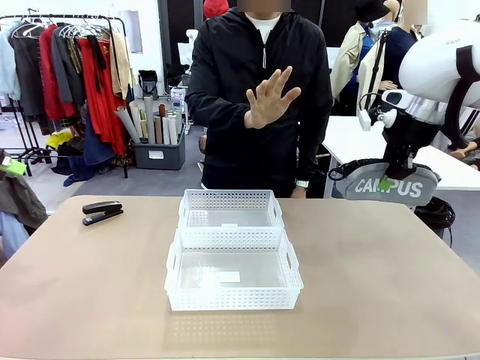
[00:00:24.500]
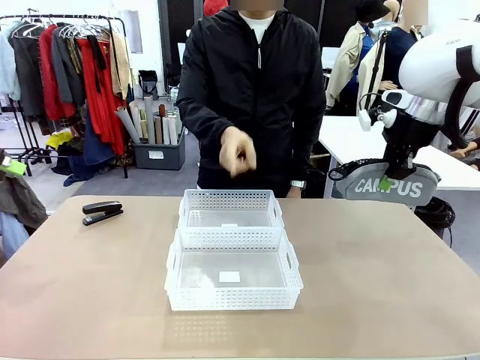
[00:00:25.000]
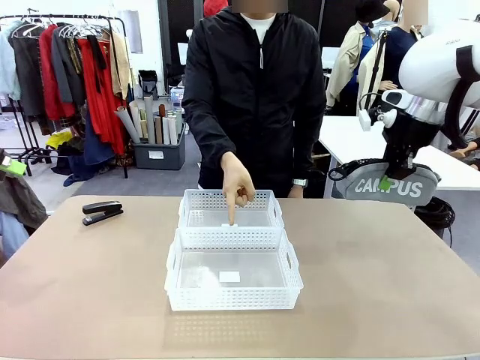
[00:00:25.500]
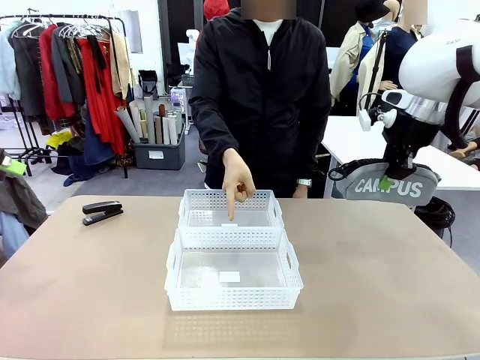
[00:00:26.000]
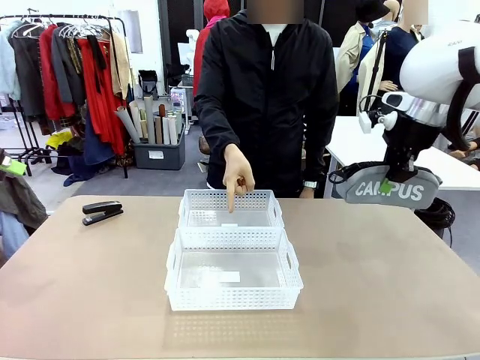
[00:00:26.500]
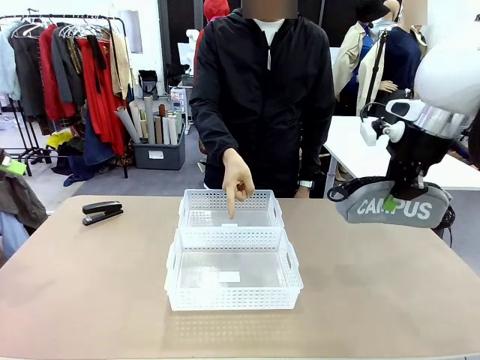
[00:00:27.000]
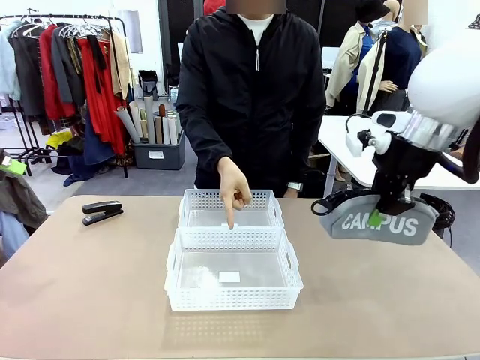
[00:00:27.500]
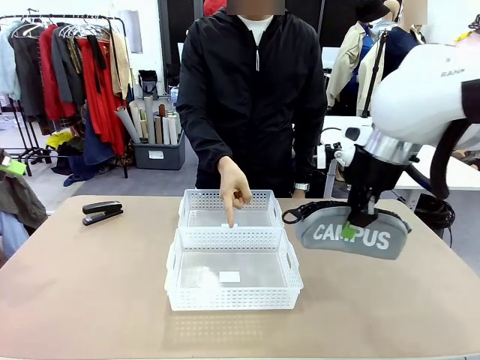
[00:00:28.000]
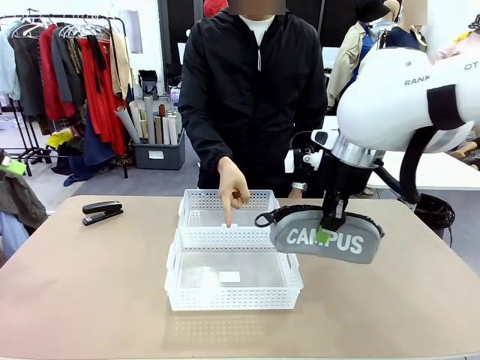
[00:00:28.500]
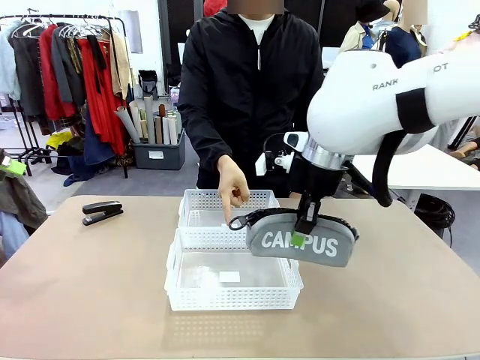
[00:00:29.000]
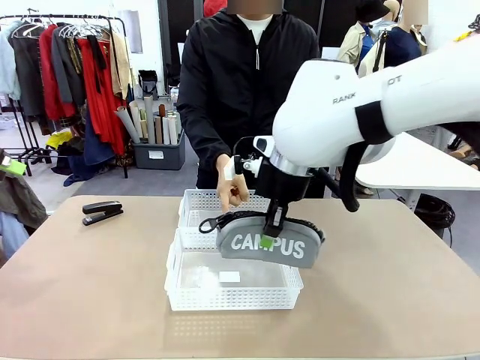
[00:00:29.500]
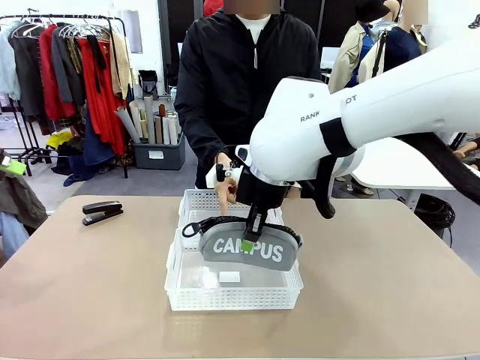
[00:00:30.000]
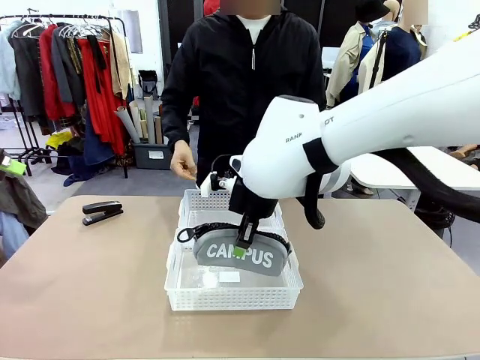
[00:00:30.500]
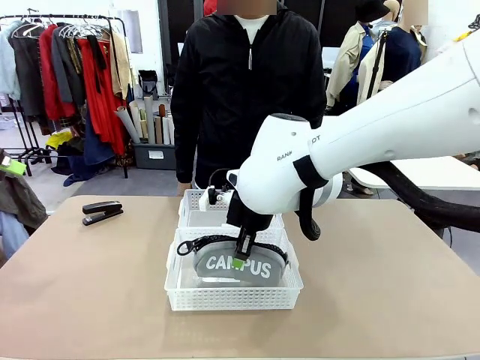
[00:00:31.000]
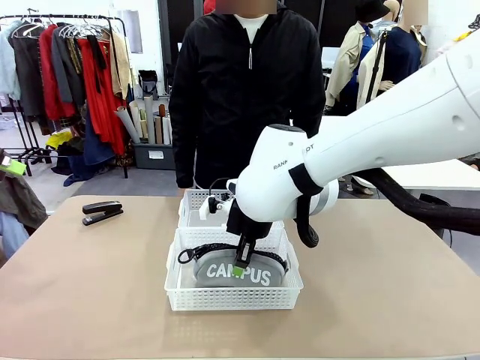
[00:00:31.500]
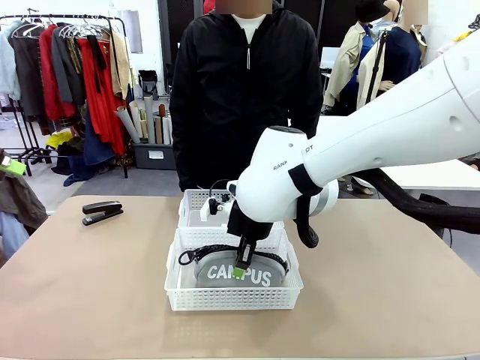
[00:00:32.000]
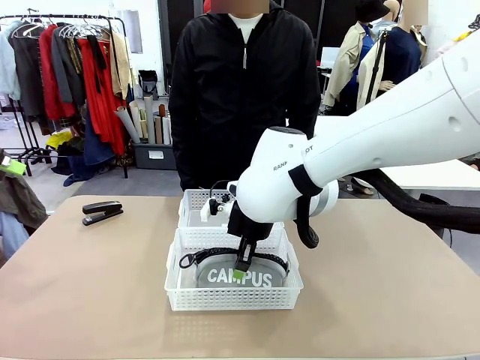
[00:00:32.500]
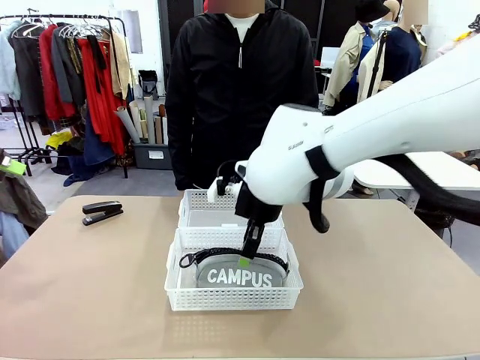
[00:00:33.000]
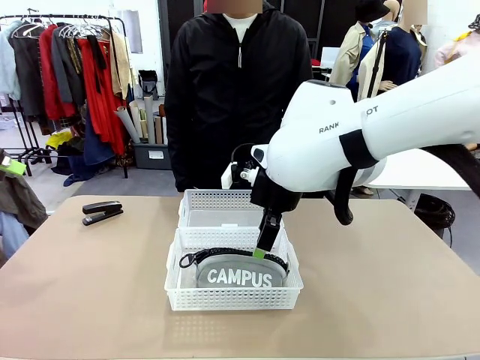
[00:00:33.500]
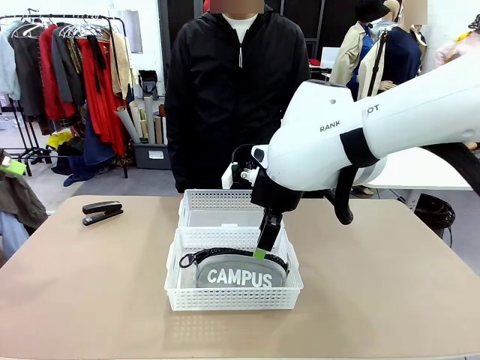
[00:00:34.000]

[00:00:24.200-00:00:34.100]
Task: Distribute items into two baskets.
Robot: Place the picked Pencil pouch into the Organizing basket as instructed by the person.
Person: Instructs the robot to place the pencil case into the opposite basket. Points to the stapler.

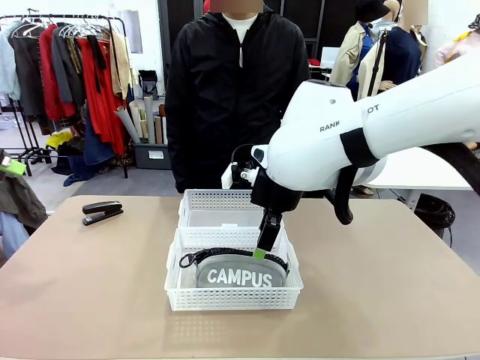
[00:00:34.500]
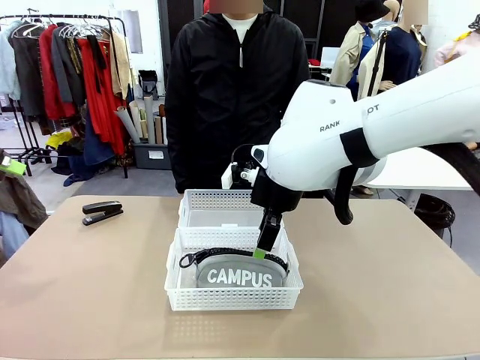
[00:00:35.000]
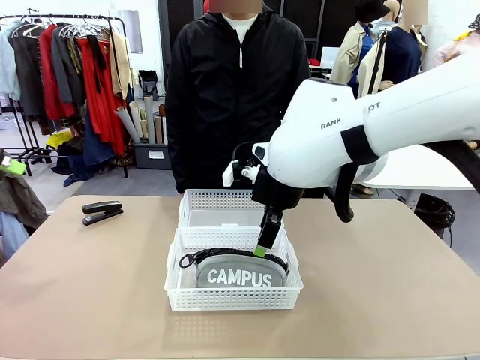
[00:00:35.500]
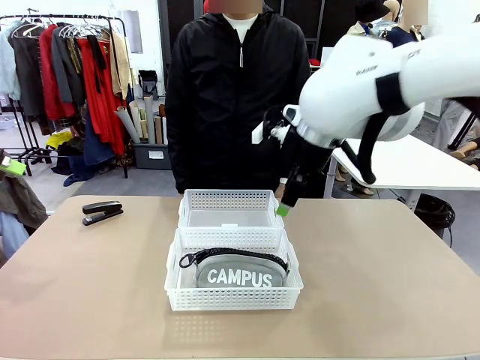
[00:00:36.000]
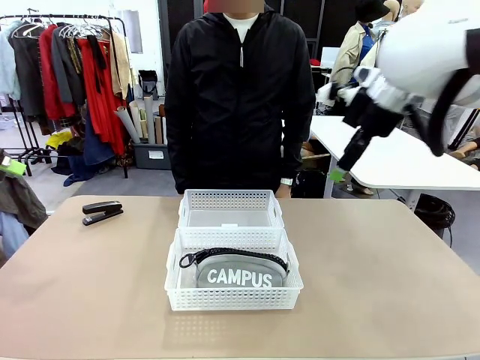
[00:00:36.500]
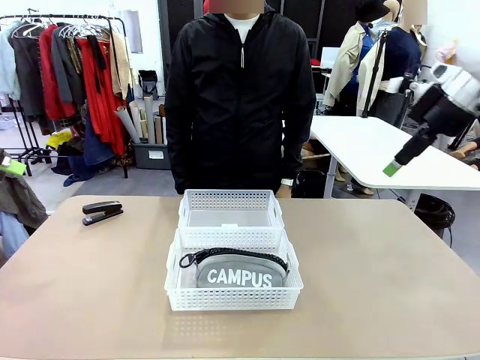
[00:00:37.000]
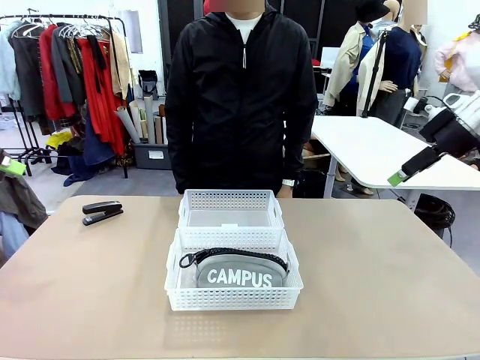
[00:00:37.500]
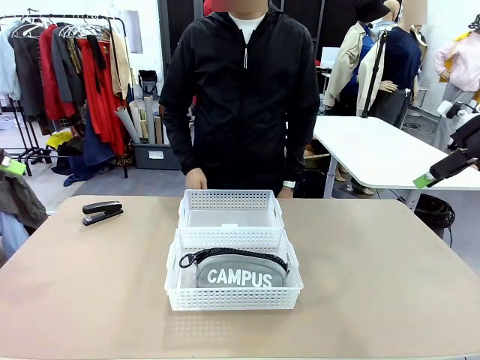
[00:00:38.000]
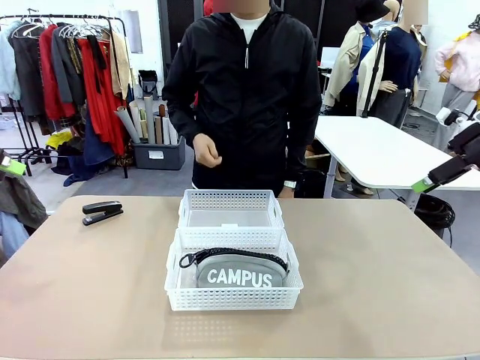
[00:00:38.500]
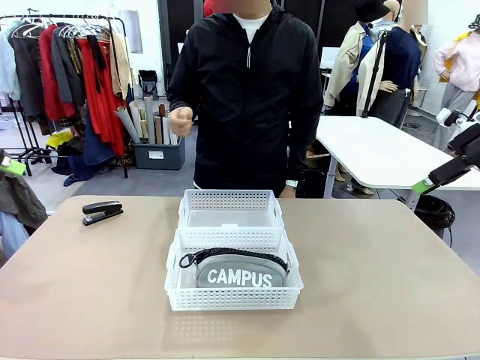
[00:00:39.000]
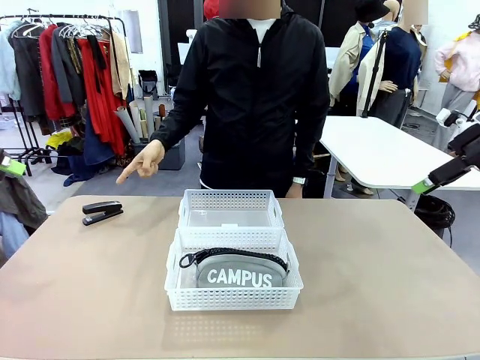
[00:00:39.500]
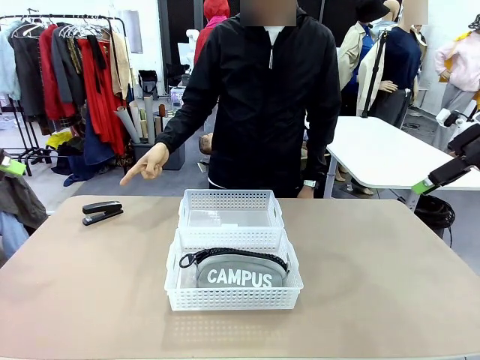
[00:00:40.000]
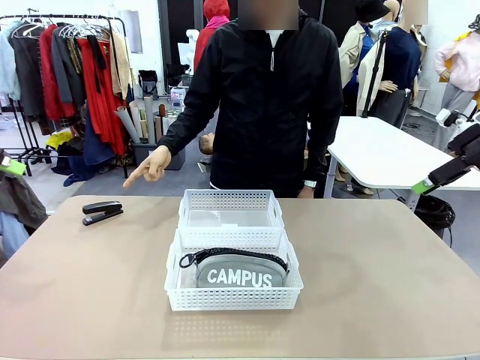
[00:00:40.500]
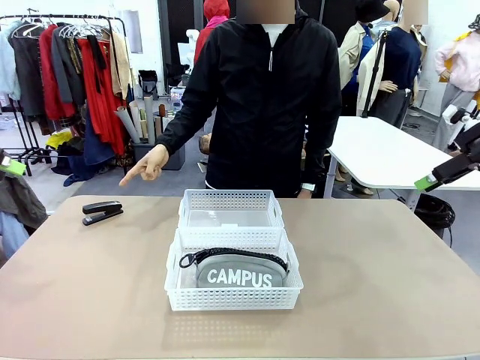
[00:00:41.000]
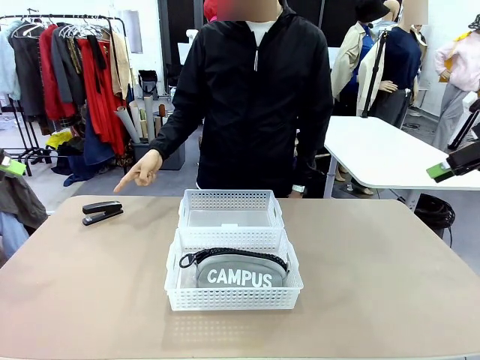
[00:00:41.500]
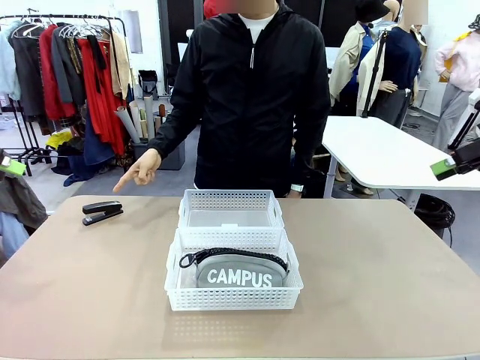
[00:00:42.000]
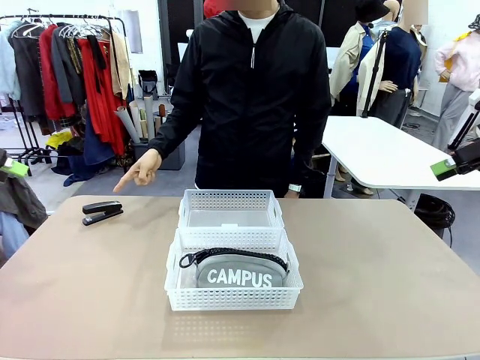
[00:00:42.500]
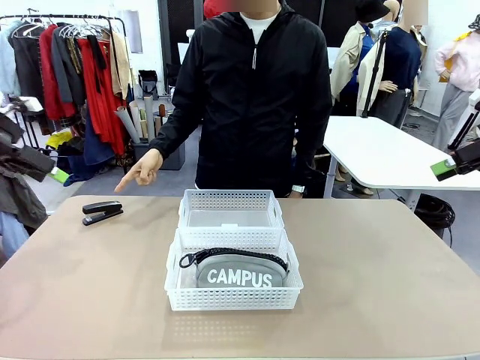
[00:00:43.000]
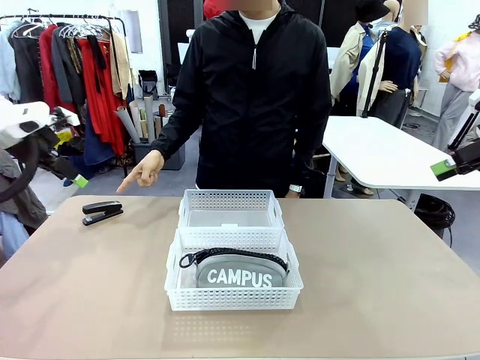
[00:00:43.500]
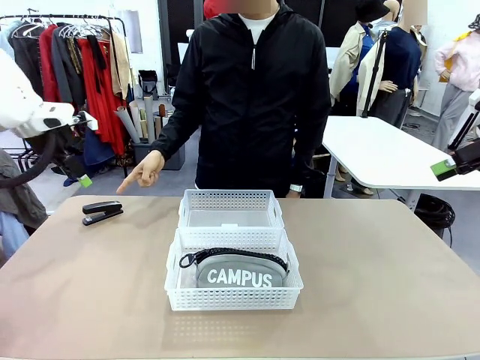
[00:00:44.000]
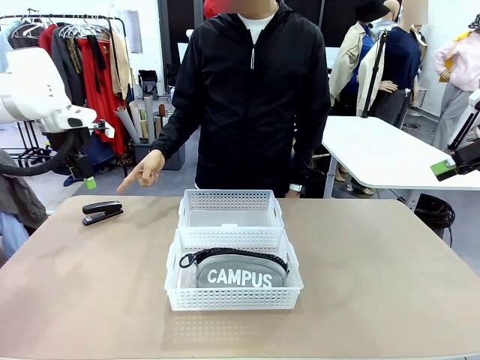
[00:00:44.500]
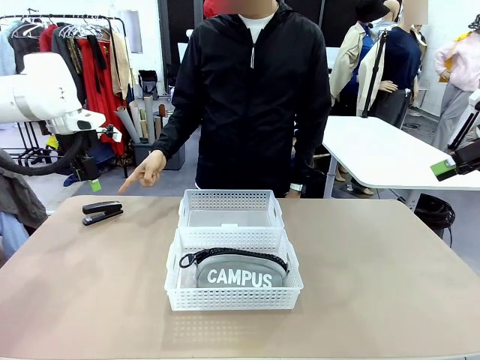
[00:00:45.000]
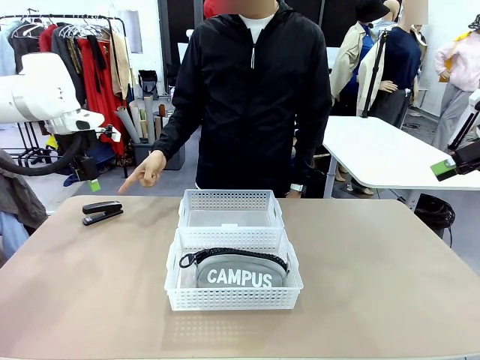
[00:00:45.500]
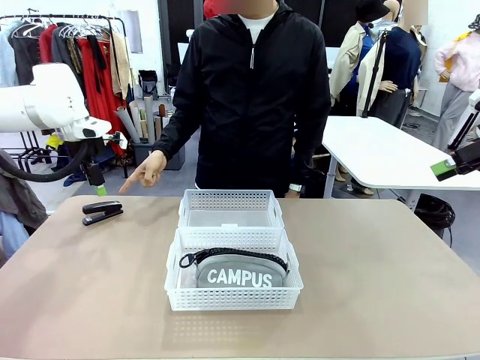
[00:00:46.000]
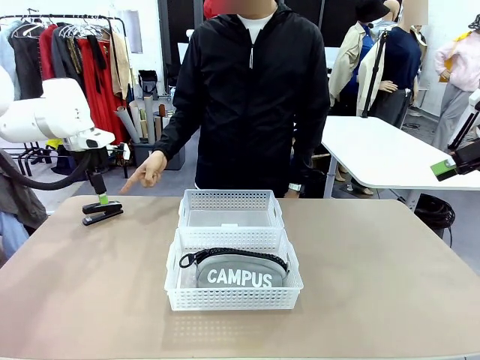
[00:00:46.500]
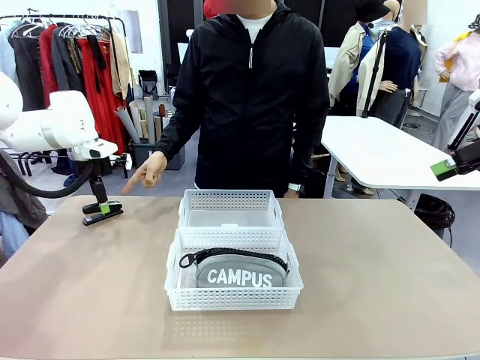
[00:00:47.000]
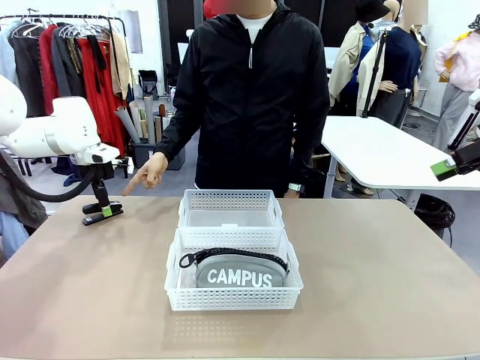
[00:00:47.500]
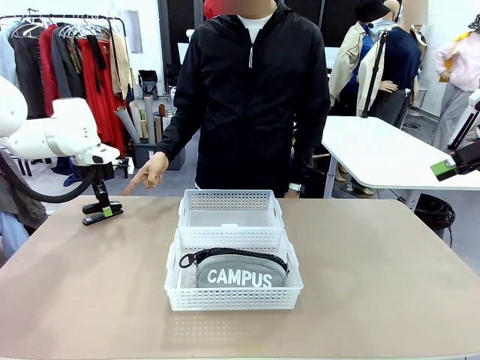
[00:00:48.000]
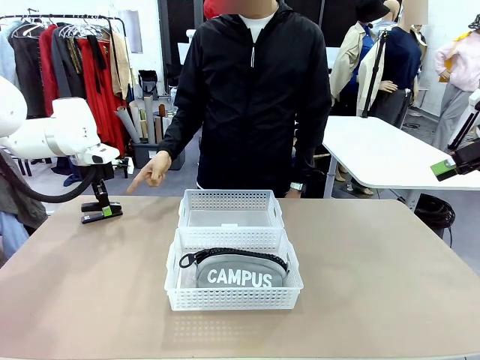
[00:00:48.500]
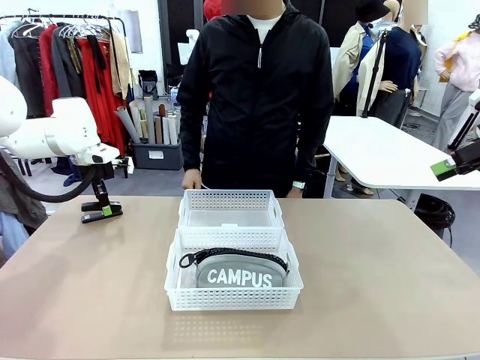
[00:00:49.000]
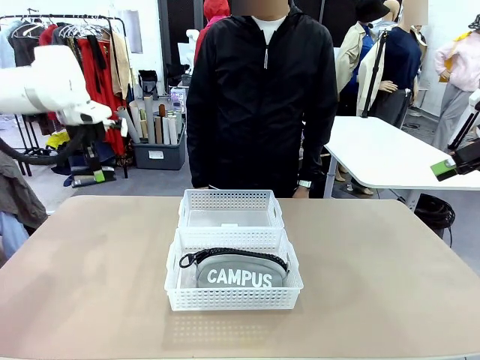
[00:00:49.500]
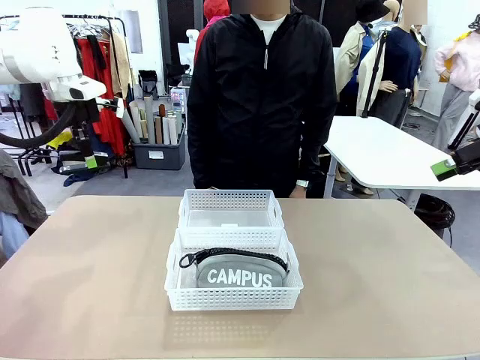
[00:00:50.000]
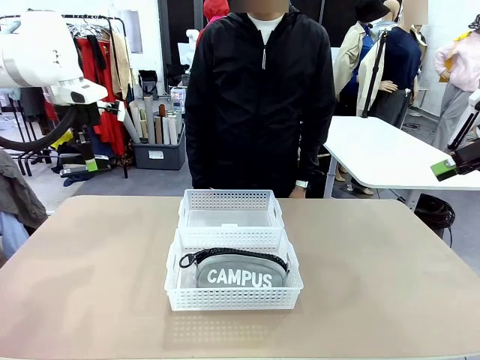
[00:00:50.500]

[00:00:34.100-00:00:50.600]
Robot: Pick up the Stapler that the person points to.
